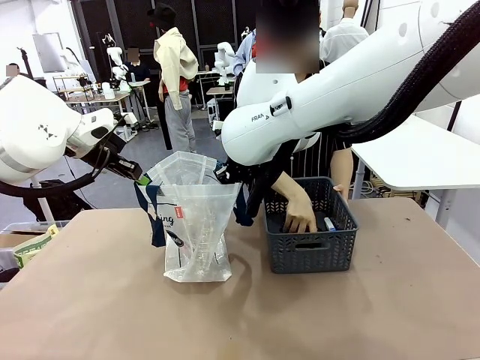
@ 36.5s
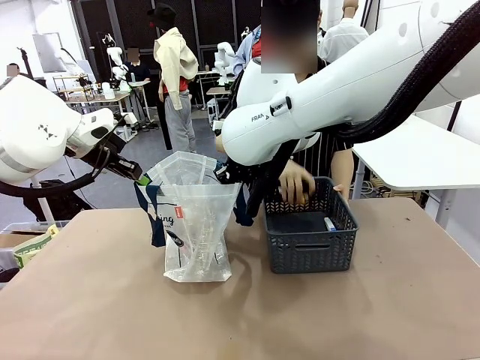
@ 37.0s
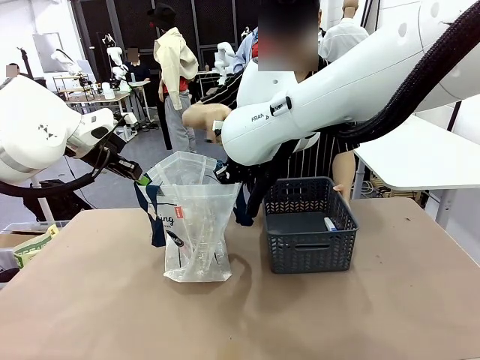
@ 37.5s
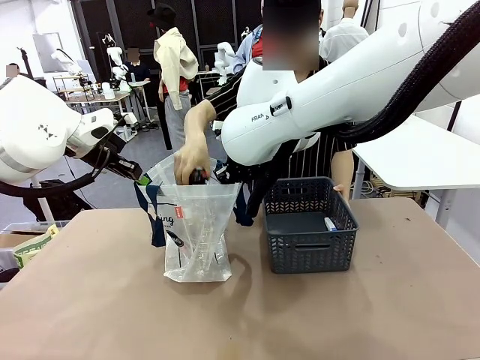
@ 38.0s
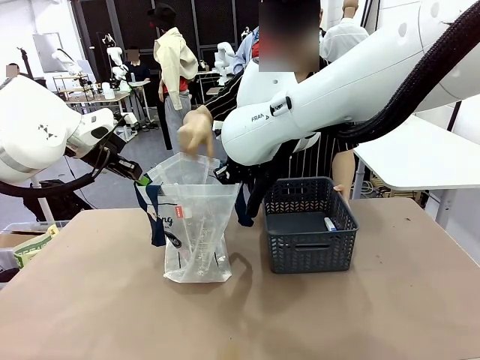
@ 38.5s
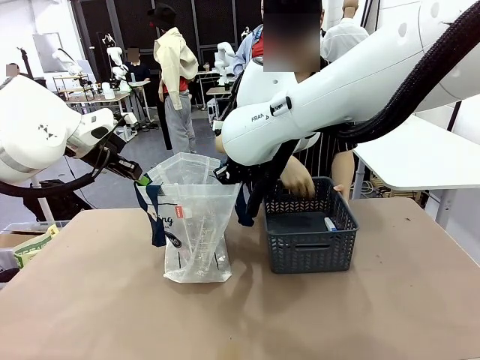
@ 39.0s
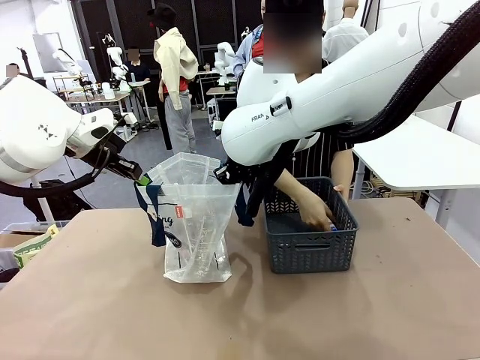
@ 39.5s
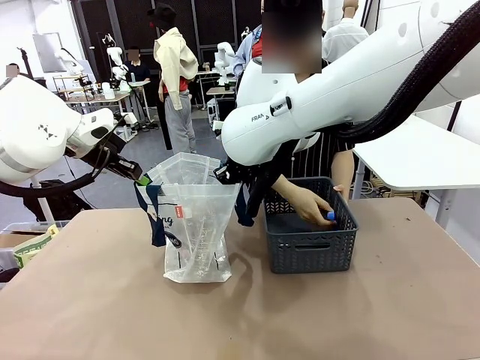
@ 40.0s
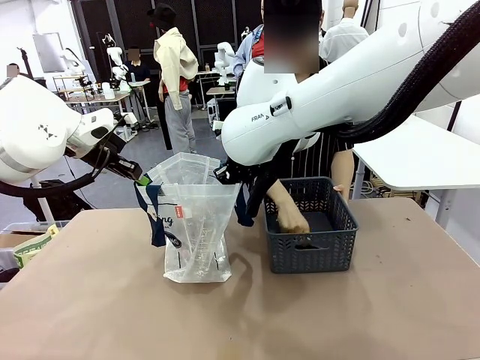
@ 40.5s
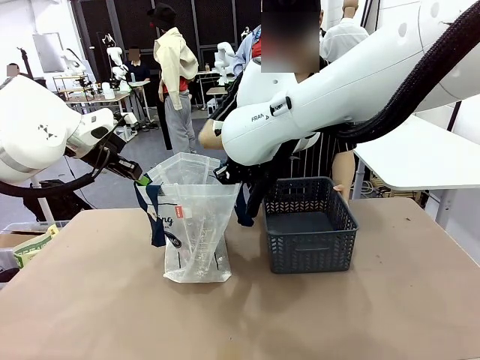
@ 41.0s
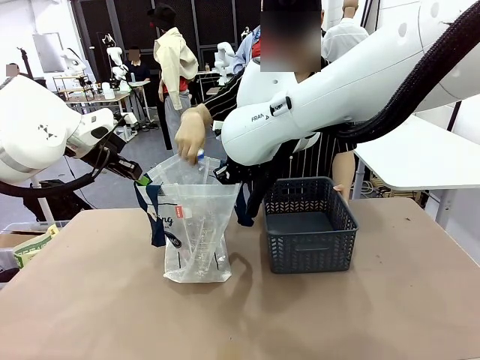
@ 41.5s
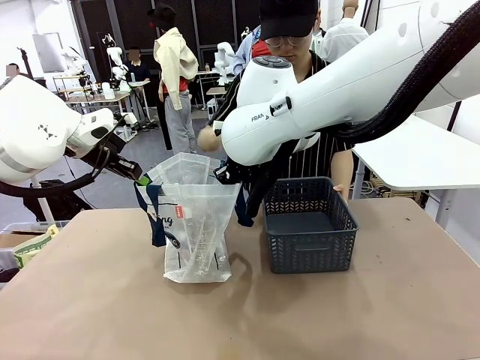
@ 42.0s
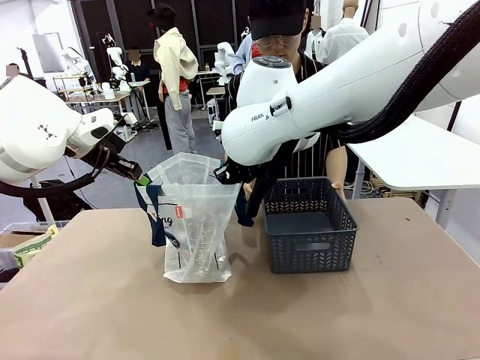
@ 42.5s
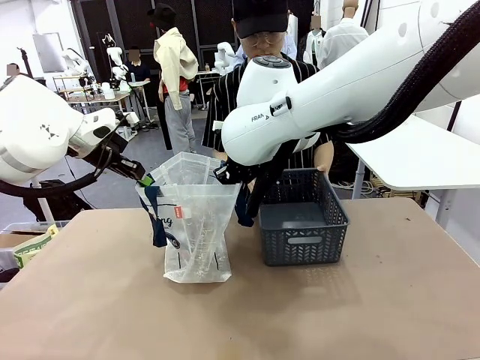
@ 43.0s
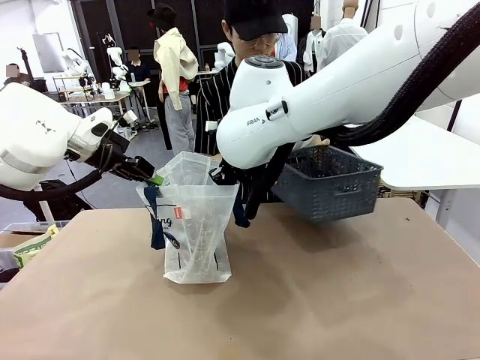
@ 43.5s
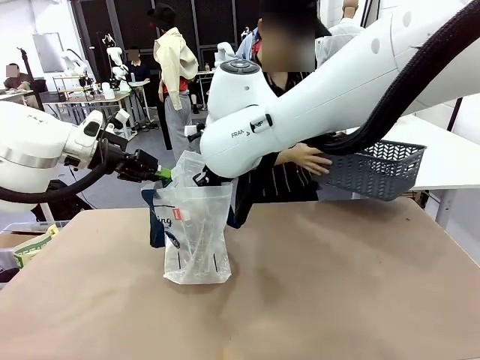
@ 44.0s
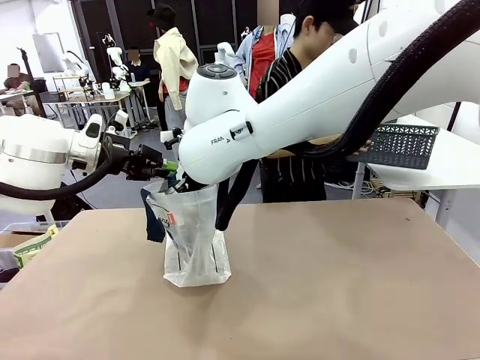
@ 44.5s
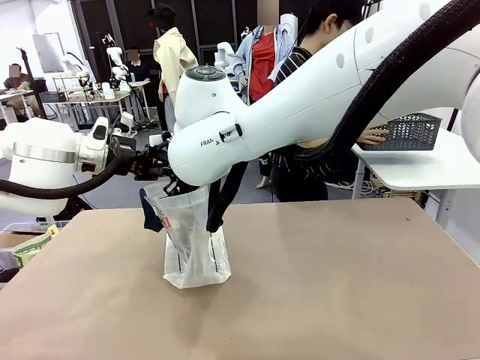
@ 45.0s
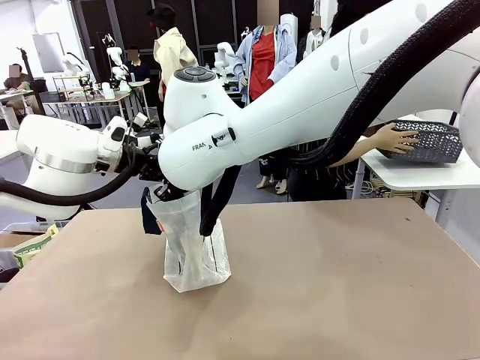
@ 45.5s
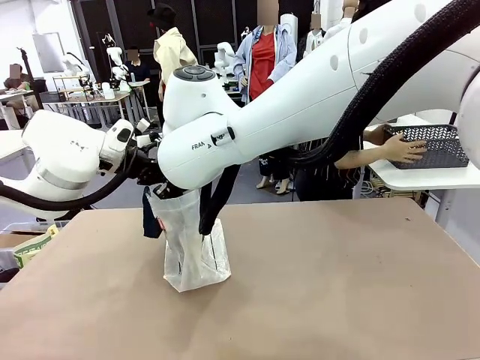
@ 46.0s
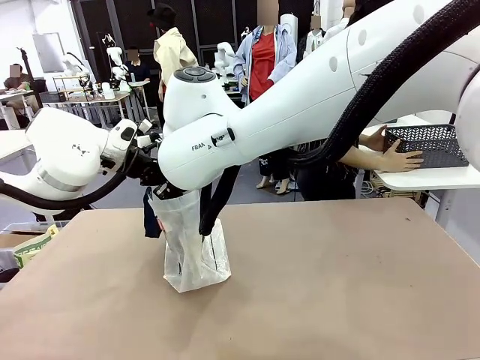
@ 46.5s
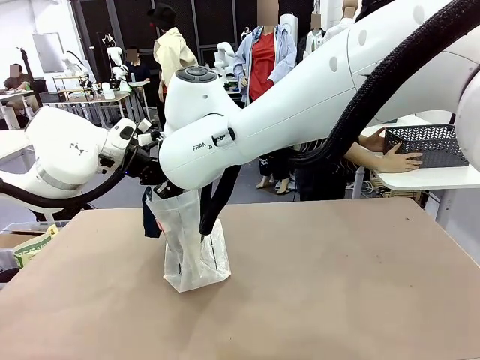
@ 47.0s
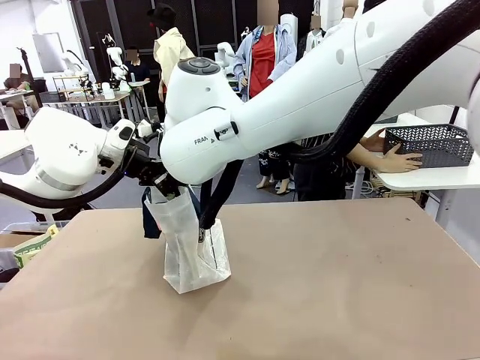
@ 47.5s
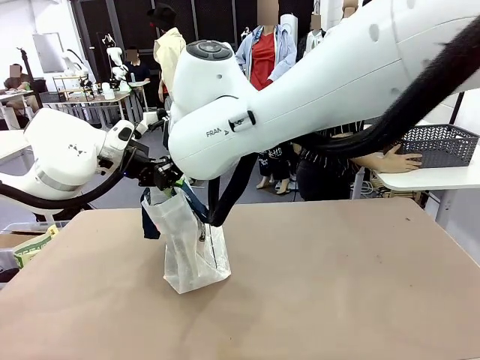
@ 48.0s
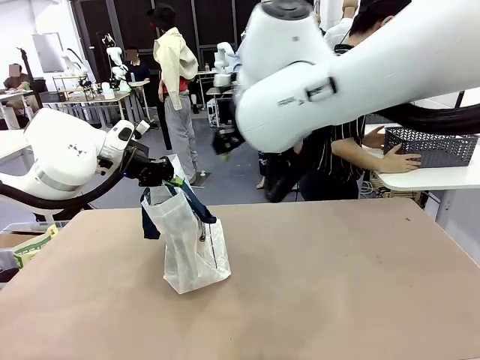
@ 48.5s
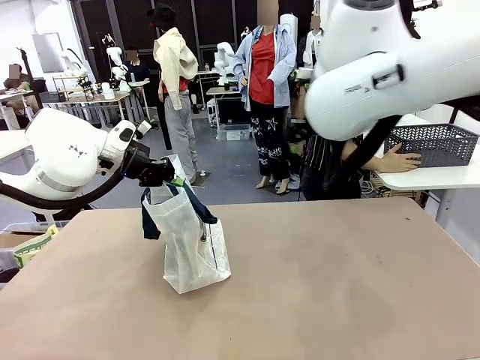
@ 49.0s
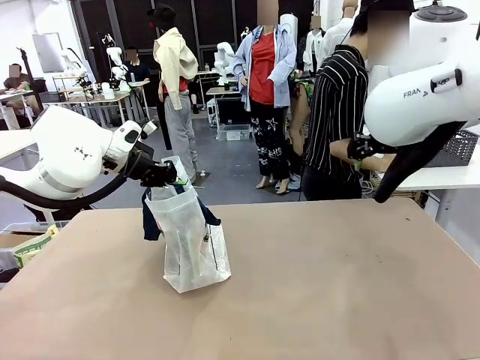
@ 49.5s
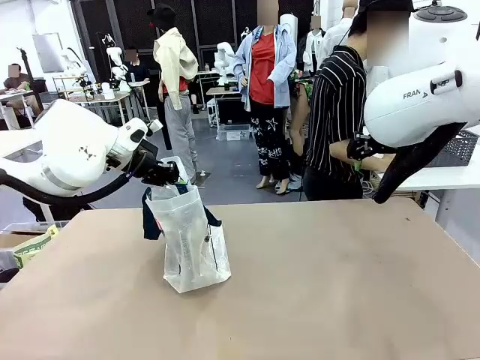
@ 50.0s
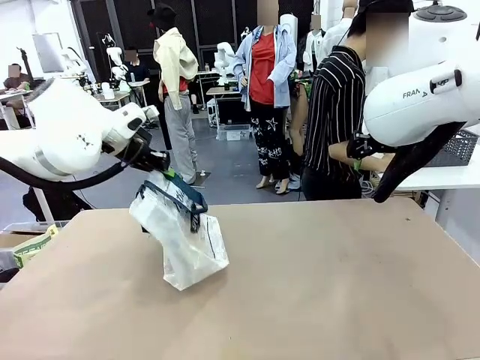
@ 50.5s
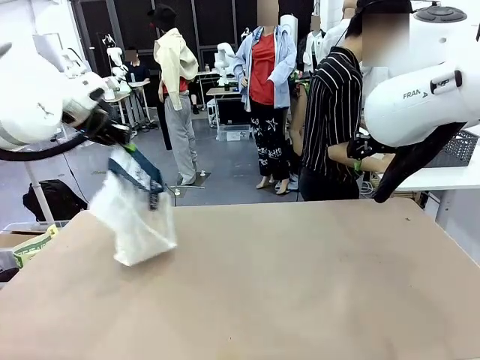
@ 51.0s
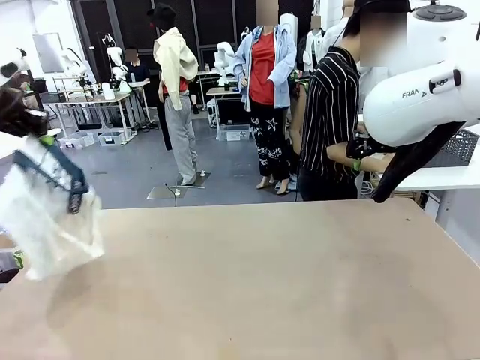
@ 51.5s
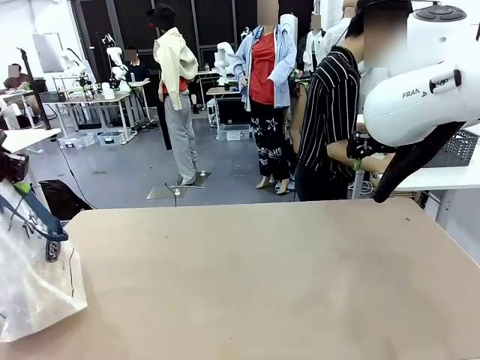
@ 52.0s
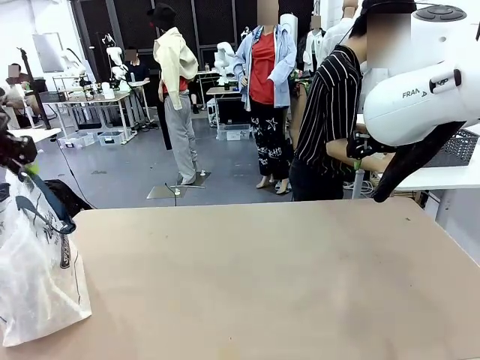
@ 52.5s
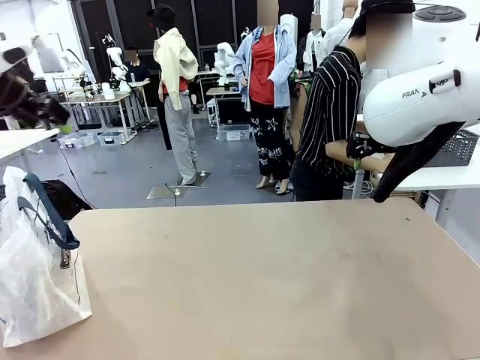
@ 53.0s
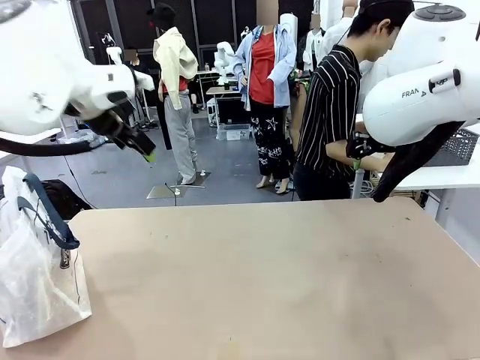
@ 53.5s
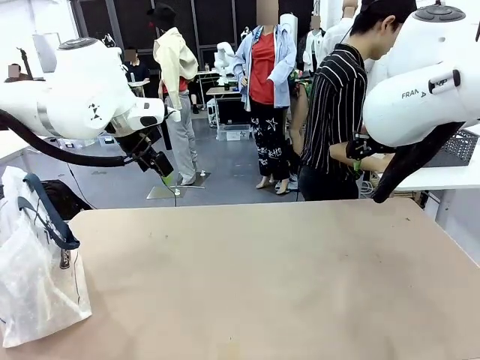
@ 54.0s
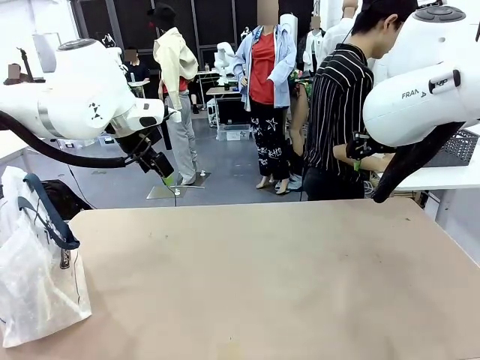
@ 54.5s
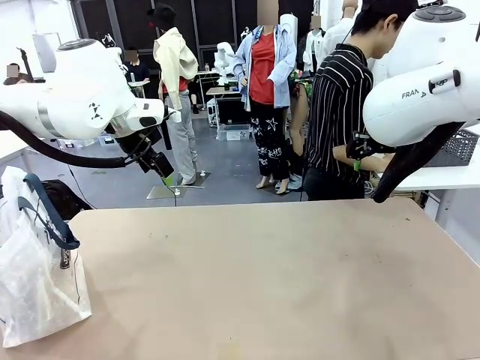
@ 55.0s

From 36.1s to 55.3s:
Task: Transfer purchased items from the store into the shopping bag.
Robot: Move the Reusable shopping bag to the right side of the table.
Person: Move the basket on the left to the middle of the person's table.

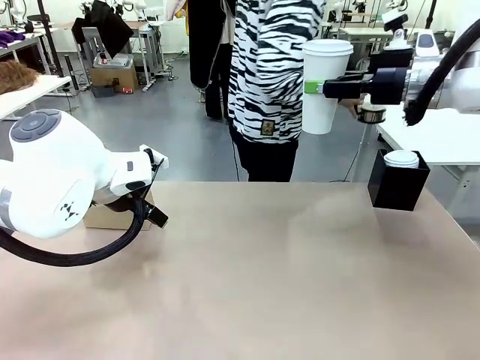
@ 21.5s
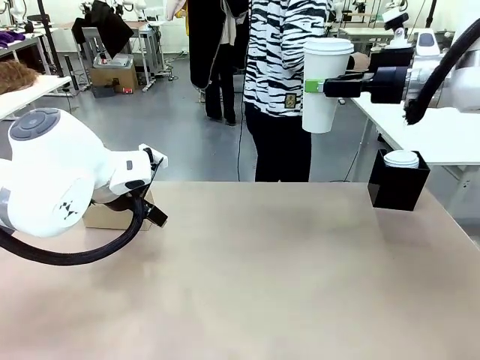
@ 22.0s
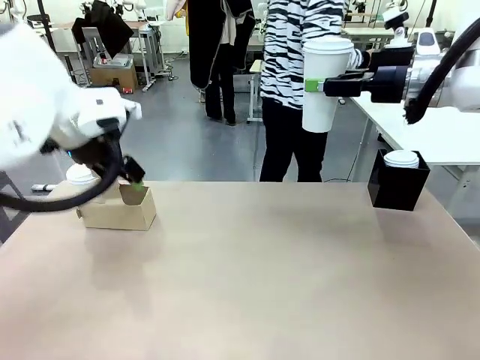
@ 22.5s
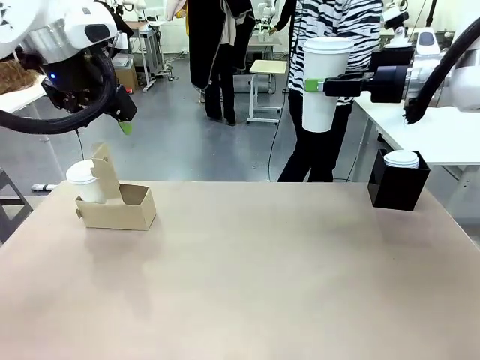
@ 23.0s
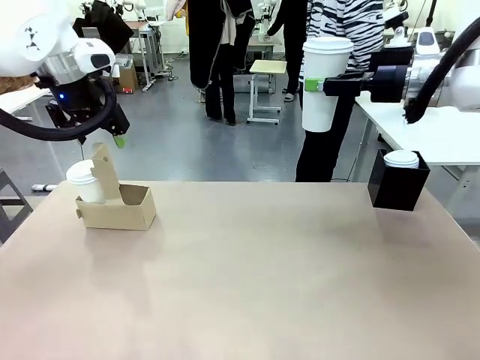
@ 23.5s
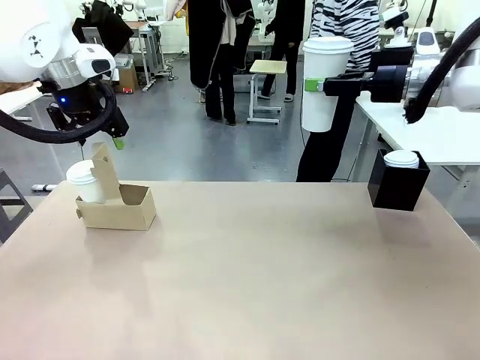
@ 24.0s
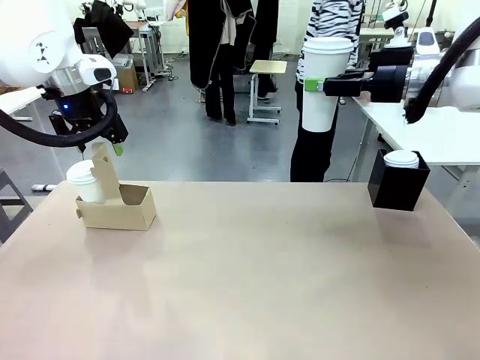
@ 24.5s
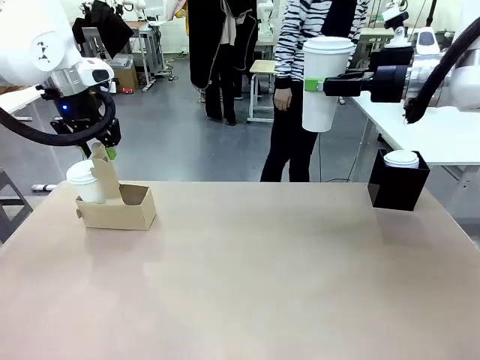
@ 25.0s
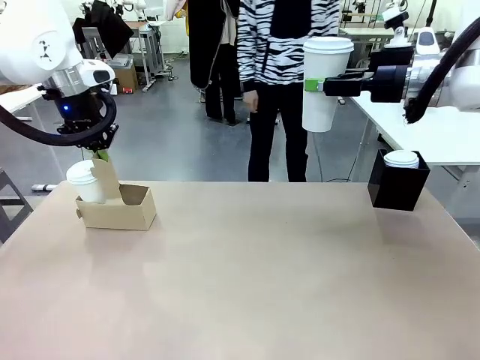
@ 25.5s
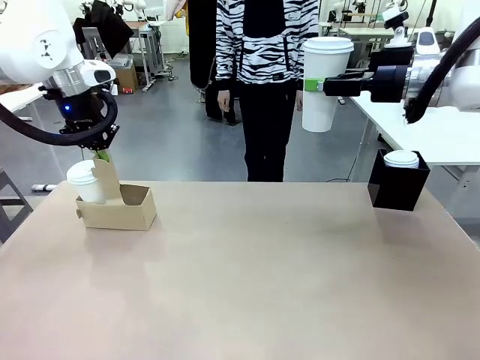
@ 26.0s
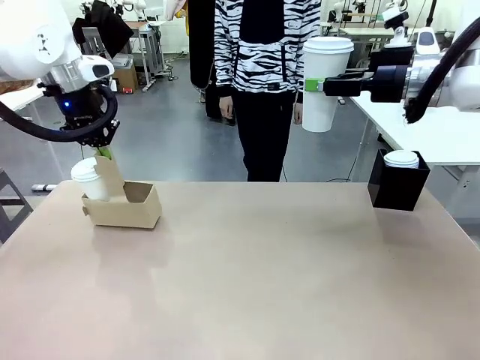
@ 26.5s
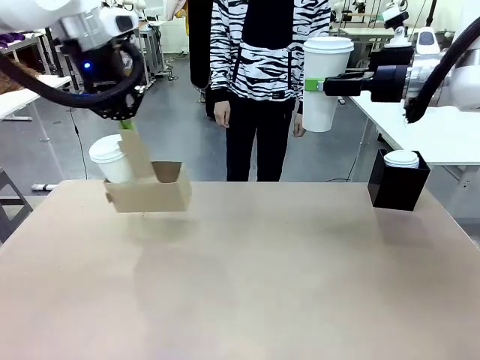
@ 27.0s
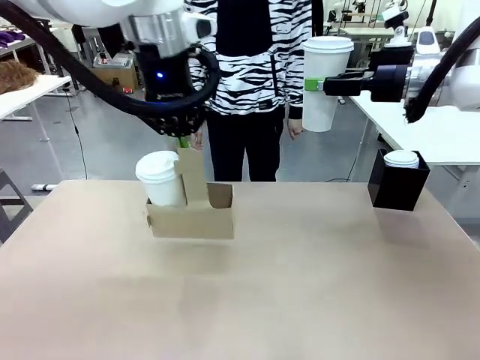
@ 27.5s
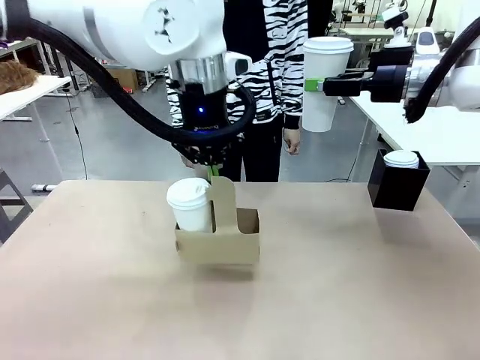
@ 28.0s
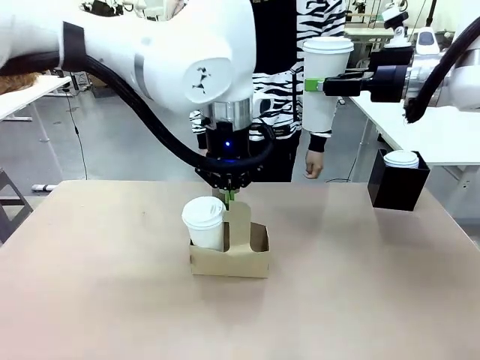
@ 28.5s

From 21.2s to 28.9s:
Task: Pour a drink into a cup and package it in a carrier.
Robot: Position the Cup Carrier in the center of the table.
Person: Pick up the Filter Brewing and place on the middle of Human table, and return to the Robot table.
